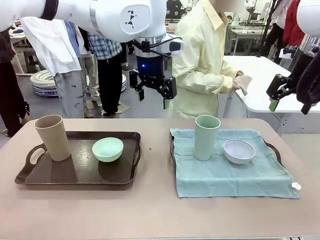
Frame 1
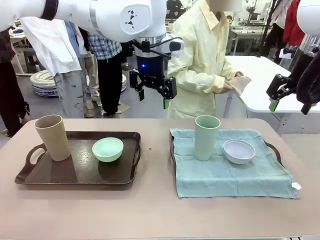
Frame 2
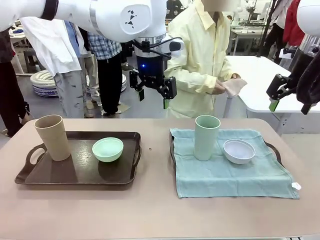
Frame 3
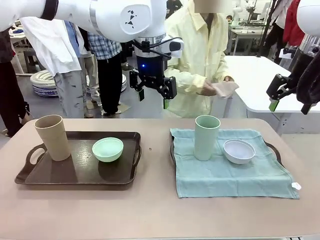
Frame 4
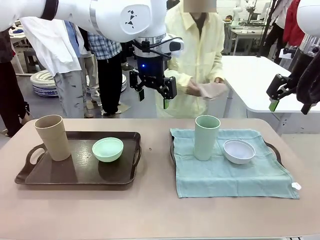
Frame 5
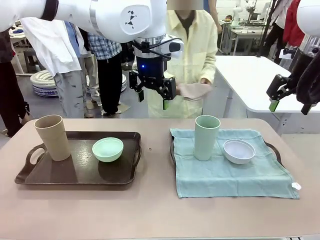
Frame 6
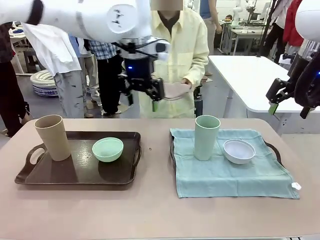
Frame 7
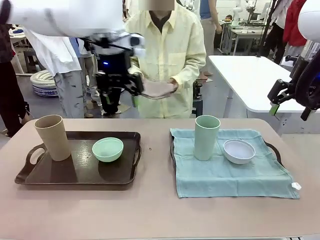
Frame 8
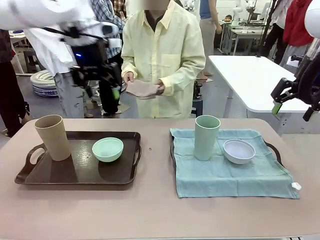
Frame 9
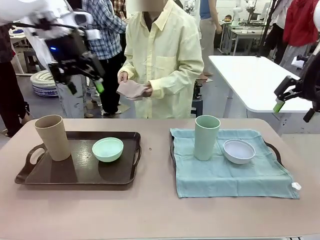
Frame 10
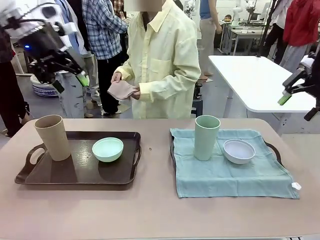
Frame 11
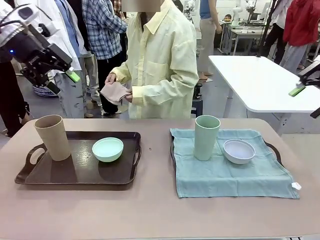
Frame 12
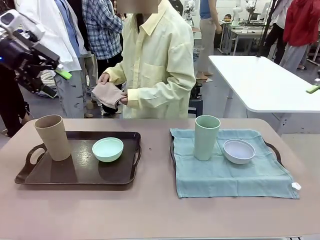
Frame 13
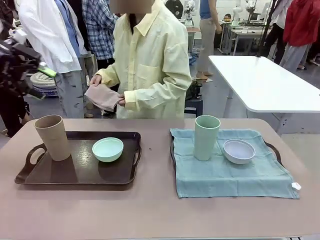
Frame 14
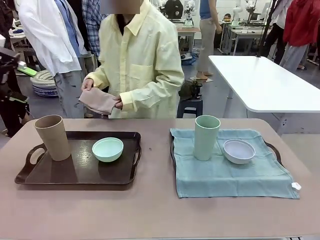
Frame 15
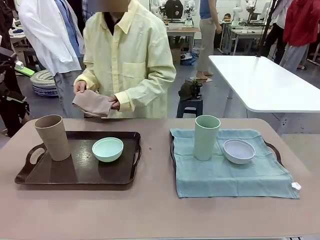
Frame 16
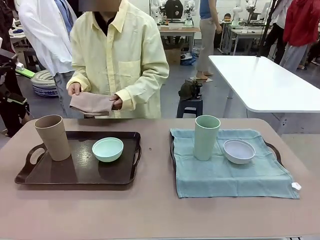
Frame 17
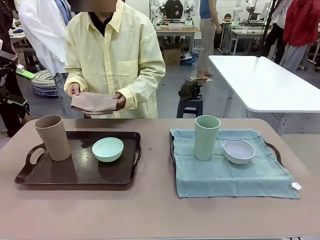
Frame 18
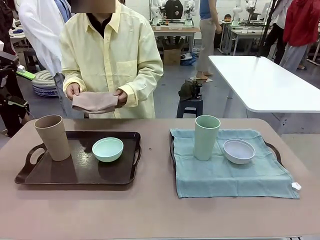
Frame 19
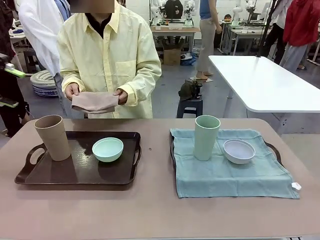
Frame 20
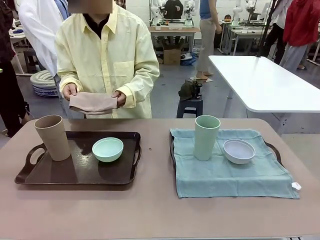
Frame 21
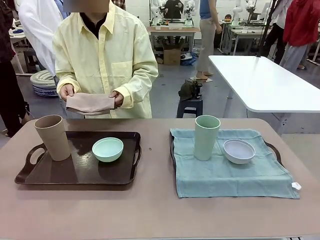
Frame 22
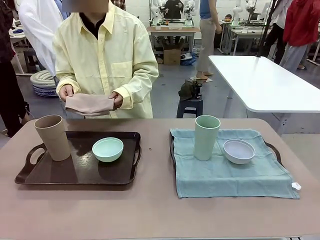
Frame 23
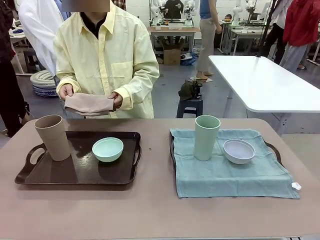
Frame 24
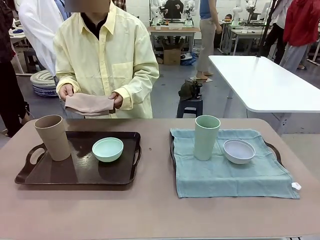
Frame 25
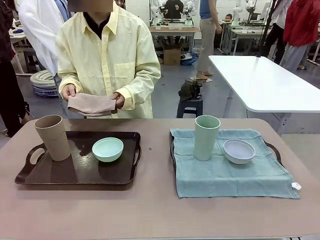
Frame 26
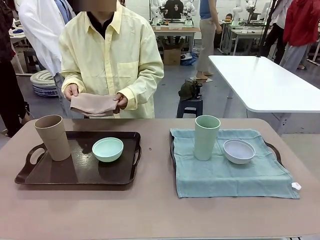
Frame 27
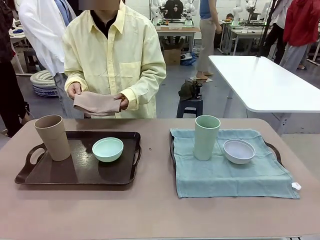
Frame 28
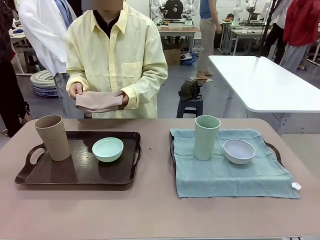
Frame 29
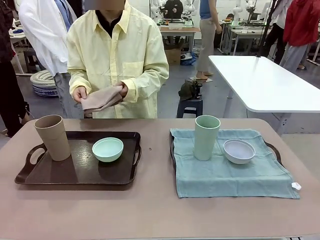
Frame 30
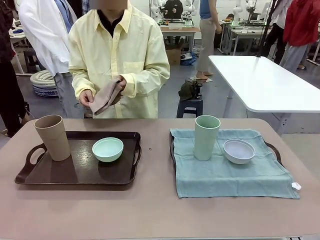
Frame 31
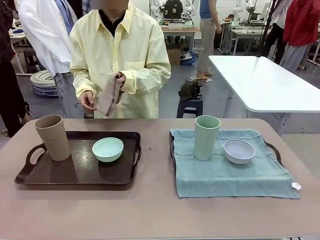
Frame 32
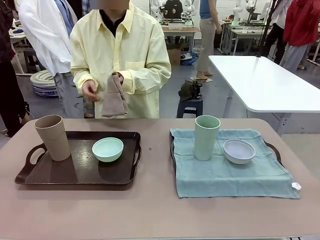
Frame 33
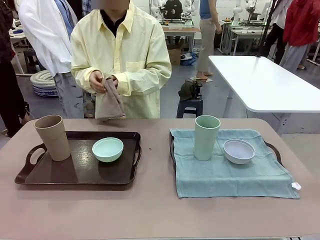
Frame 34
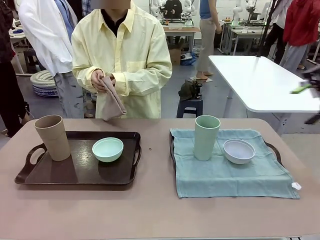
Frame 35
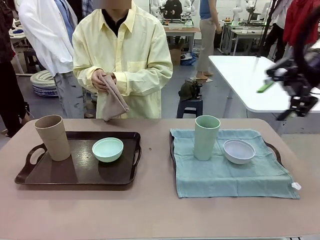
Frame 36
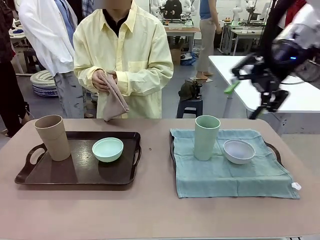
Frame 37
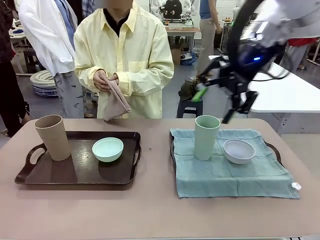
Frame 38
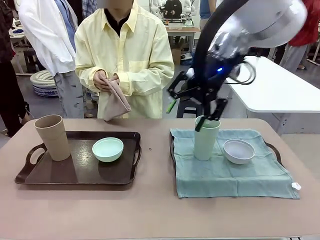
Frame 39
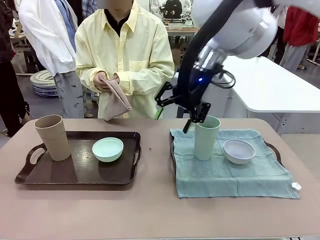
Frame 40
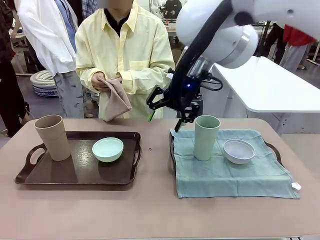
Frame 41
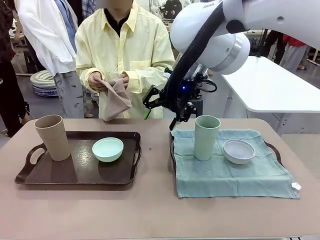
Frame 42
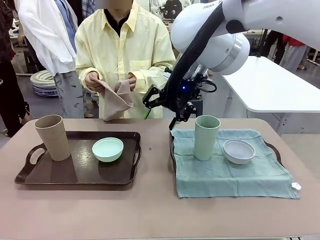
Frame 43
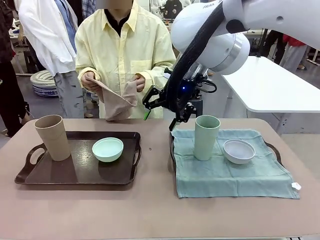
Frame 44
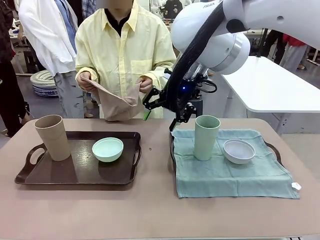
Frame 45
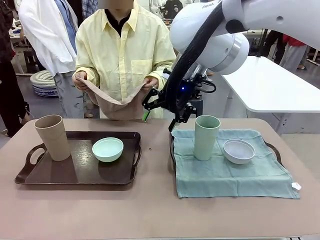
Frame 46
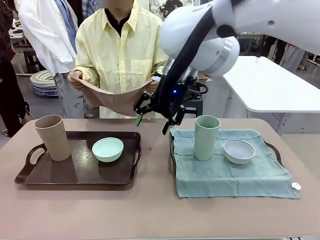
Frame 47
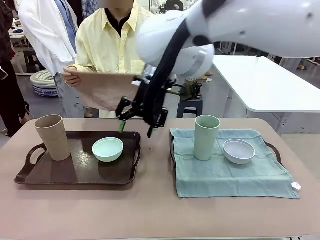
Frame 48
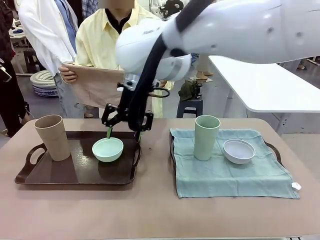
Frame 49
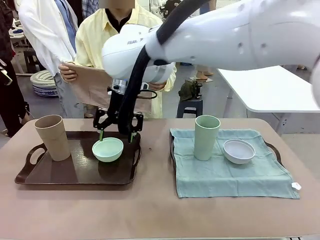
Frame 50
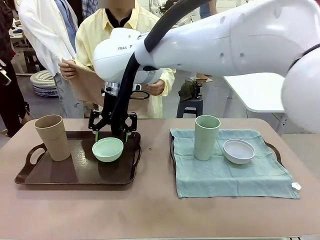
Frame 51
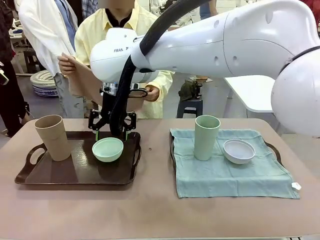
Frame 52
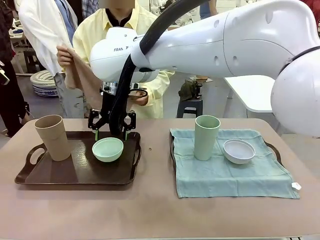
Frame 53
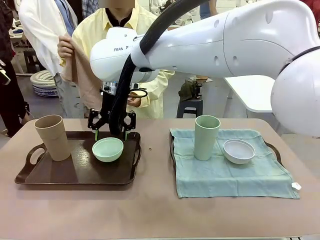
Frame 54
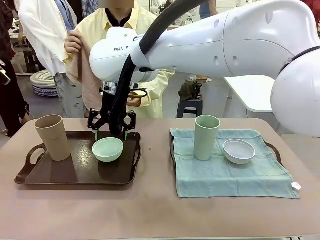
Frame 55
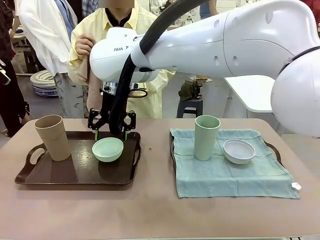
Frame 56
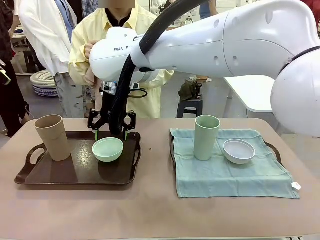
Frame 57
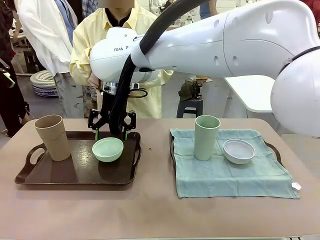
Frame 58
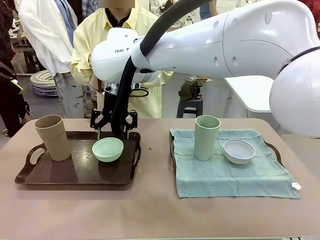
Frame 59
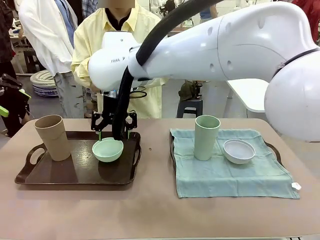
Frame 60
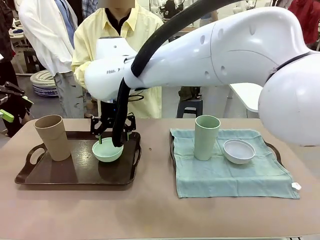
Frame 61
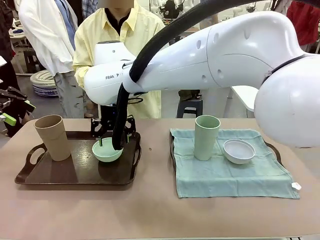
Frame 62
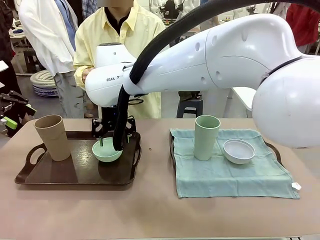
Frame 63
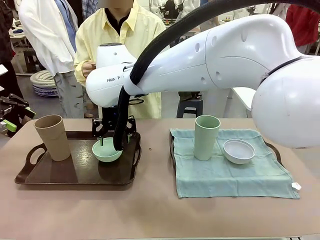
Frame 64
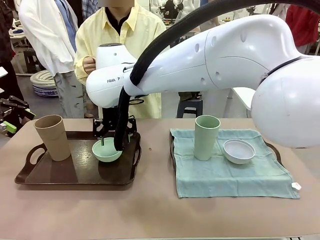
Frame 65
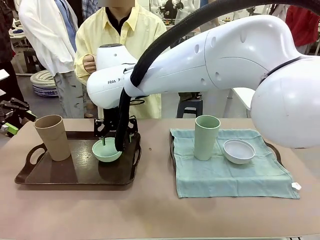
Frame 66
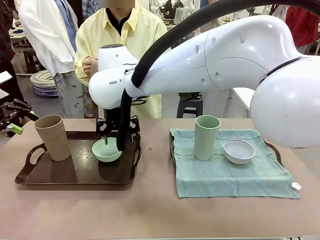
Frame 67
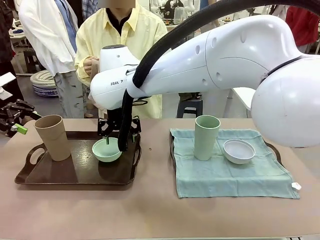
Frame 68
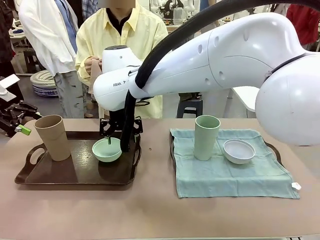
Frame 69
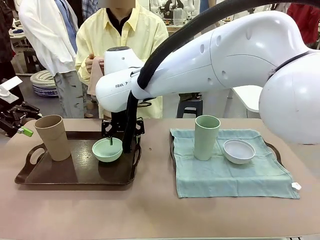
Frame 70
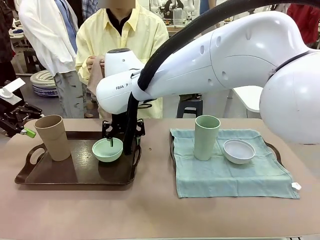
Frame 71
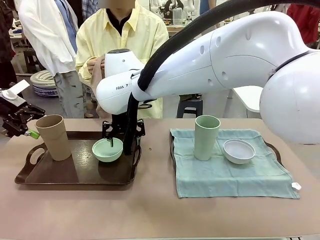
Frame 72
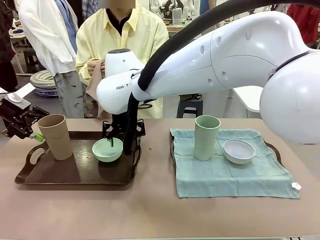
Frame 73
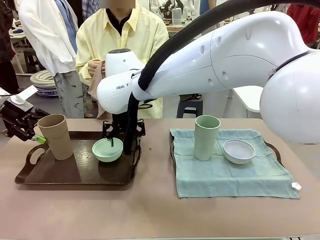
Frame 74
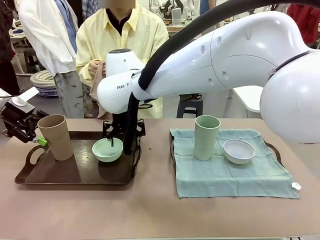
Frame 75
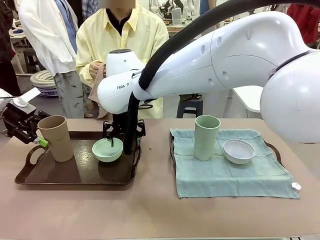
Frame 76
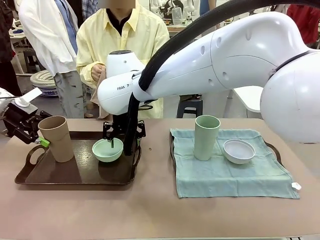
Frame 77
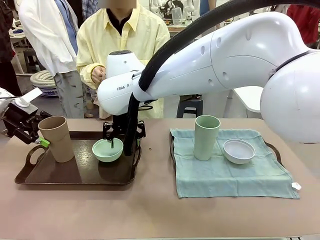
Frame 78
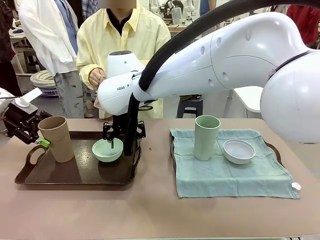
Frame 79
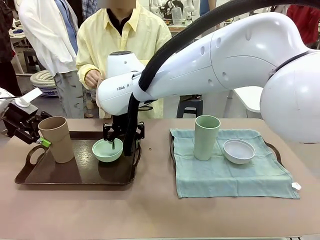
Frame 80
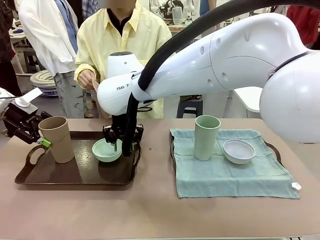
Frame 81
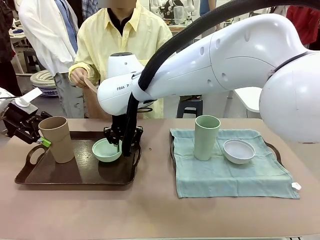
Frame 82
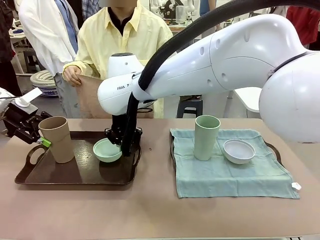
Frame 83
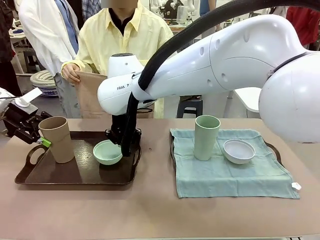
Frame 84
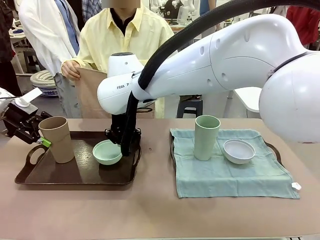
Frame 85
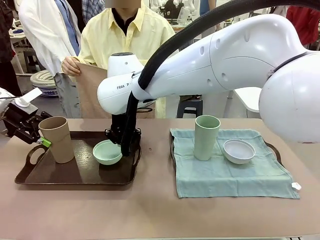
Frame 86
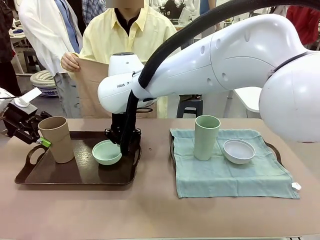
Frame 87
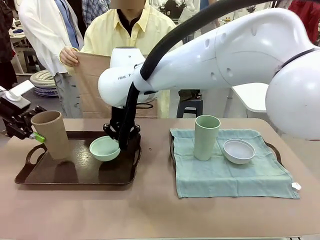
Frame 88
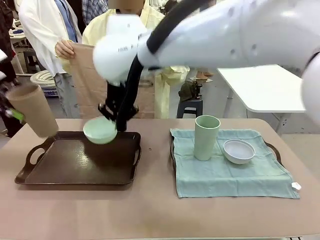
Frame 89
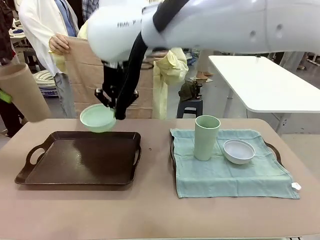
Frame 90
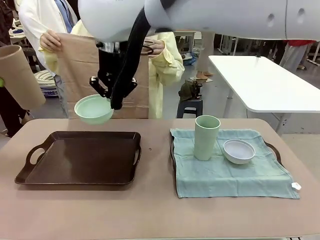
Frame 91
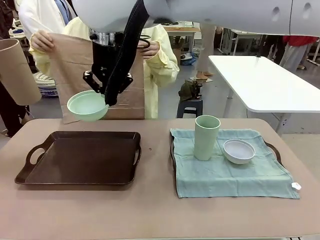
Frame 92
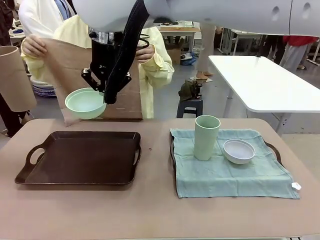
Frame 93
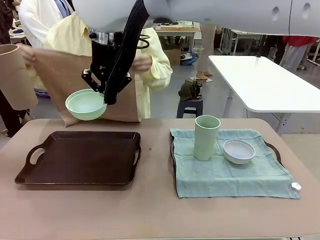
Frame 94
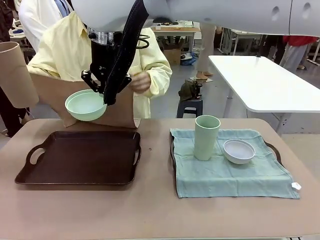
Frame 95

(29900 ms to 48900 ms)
Robot: Pick up the Picnic Bowl and Reusable plastic cup from the Handle tray in front of the human's position and hold them in the air.
